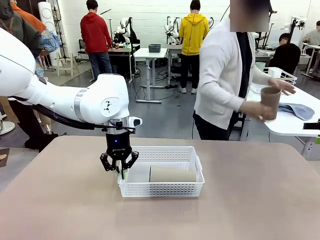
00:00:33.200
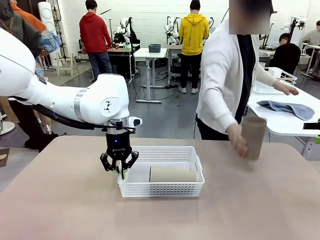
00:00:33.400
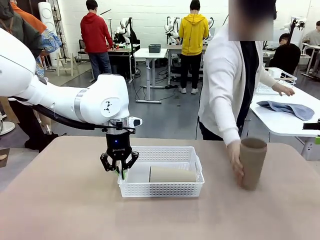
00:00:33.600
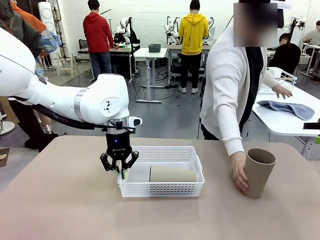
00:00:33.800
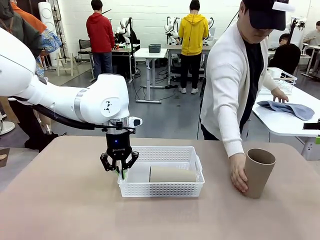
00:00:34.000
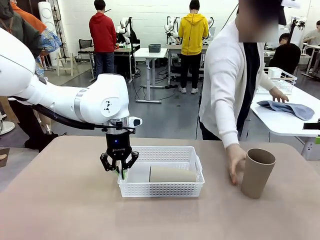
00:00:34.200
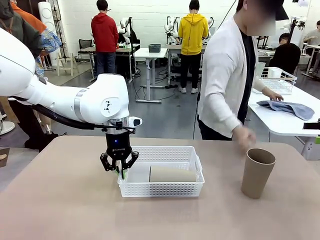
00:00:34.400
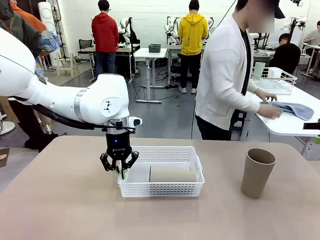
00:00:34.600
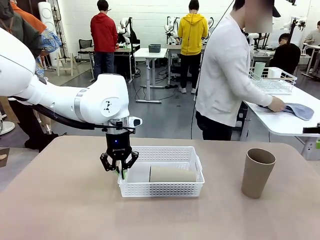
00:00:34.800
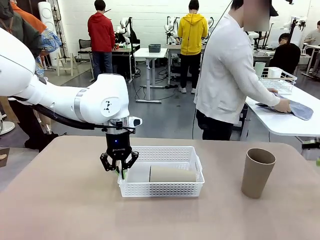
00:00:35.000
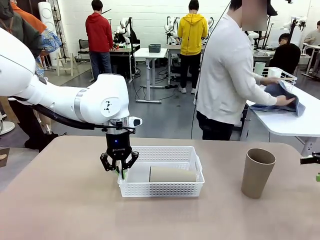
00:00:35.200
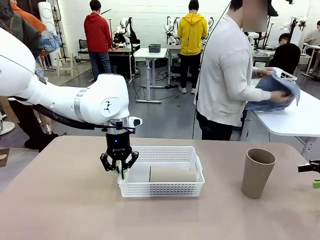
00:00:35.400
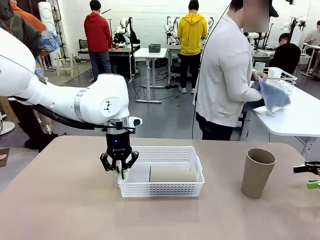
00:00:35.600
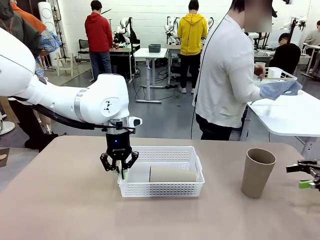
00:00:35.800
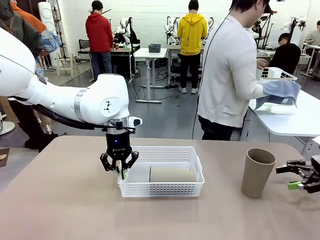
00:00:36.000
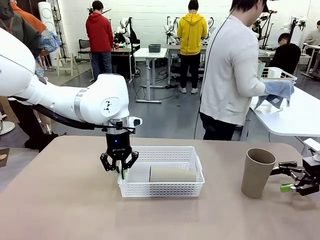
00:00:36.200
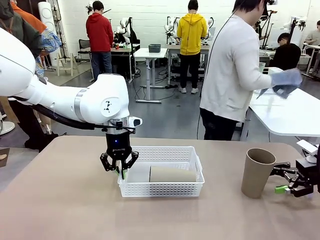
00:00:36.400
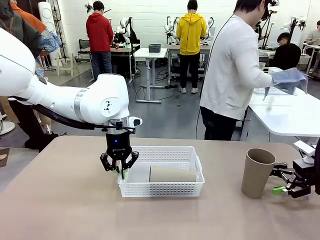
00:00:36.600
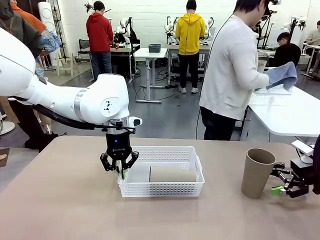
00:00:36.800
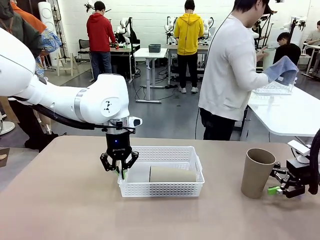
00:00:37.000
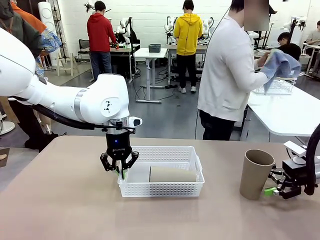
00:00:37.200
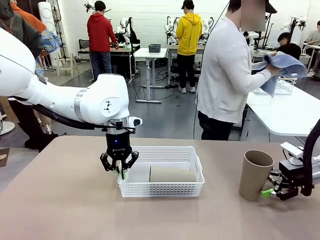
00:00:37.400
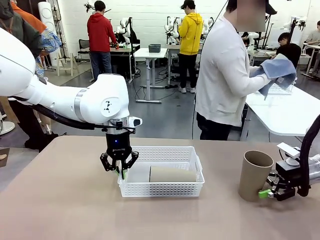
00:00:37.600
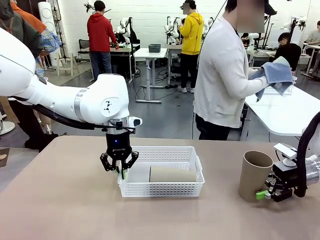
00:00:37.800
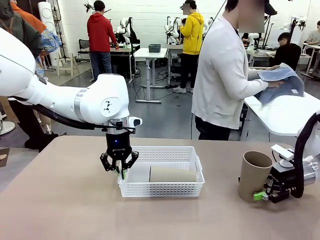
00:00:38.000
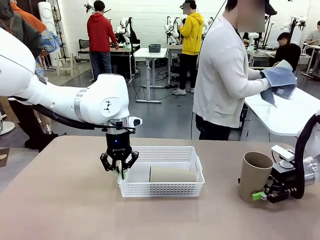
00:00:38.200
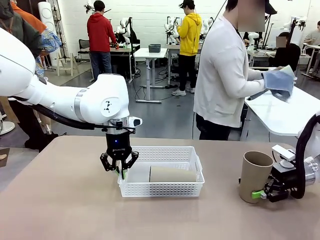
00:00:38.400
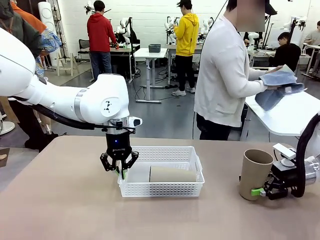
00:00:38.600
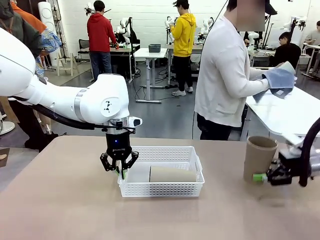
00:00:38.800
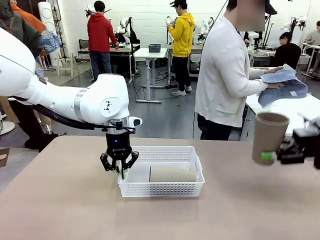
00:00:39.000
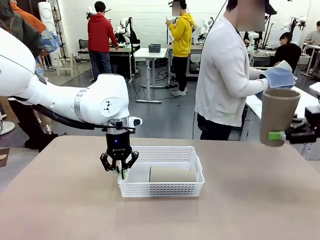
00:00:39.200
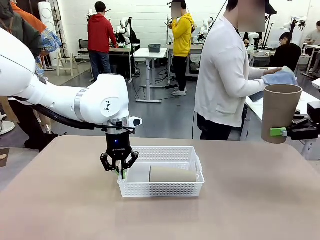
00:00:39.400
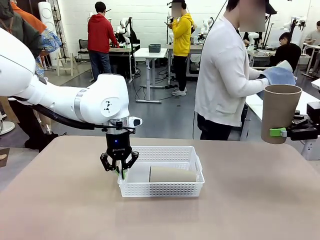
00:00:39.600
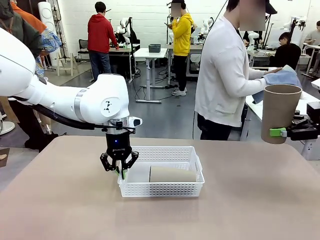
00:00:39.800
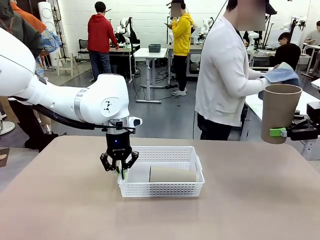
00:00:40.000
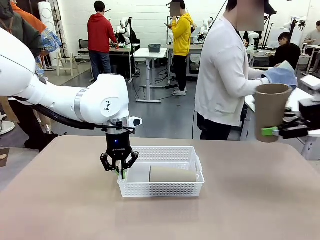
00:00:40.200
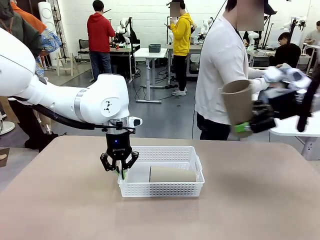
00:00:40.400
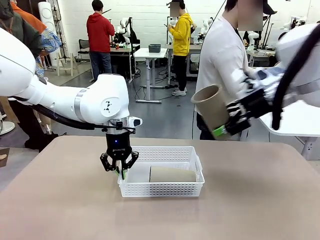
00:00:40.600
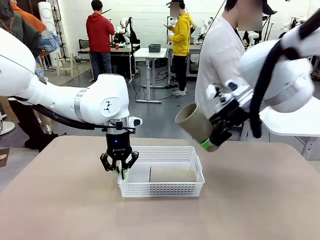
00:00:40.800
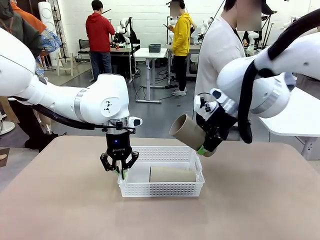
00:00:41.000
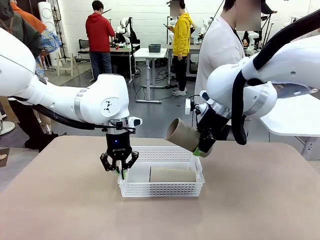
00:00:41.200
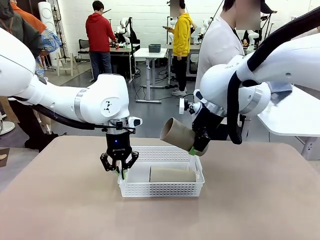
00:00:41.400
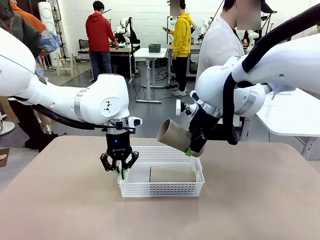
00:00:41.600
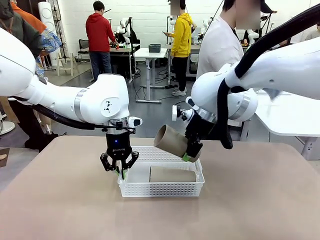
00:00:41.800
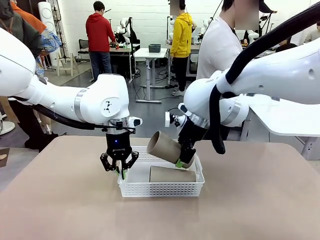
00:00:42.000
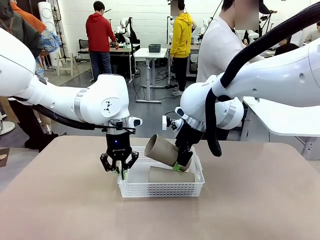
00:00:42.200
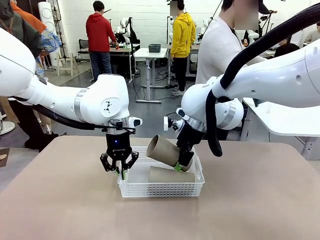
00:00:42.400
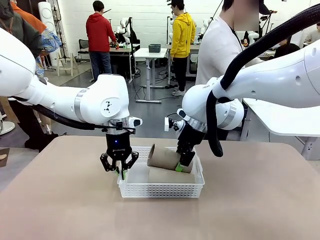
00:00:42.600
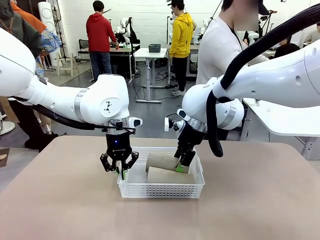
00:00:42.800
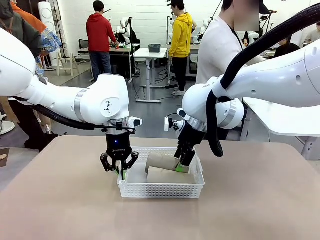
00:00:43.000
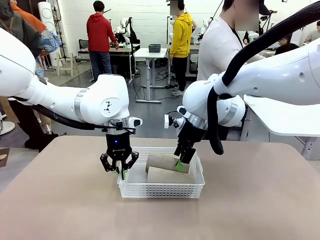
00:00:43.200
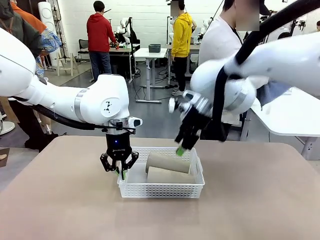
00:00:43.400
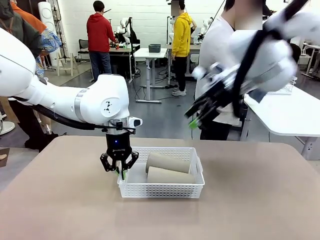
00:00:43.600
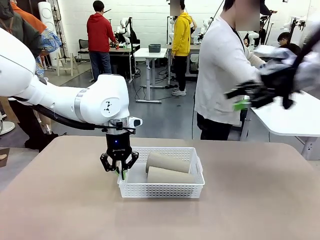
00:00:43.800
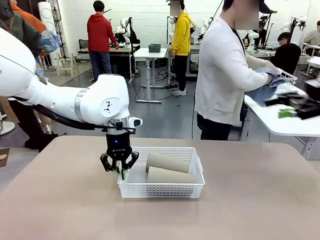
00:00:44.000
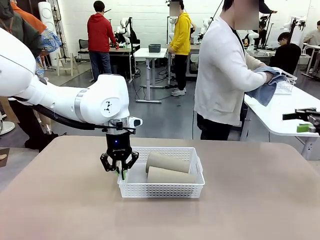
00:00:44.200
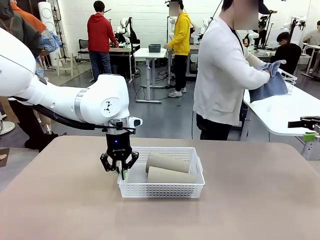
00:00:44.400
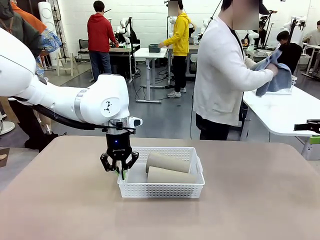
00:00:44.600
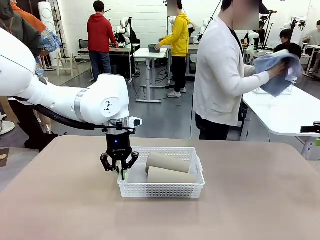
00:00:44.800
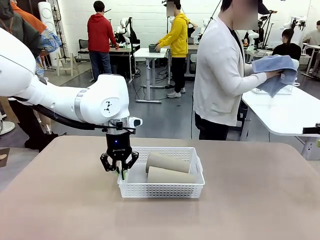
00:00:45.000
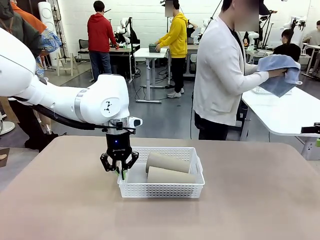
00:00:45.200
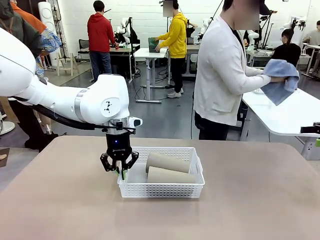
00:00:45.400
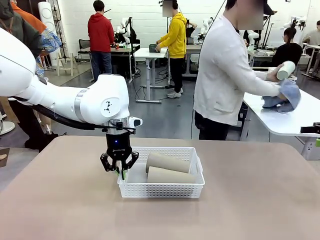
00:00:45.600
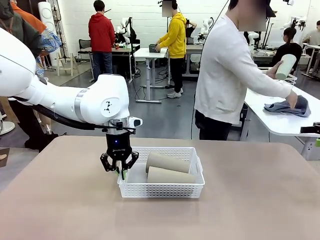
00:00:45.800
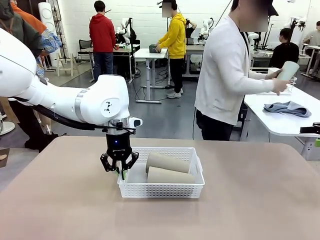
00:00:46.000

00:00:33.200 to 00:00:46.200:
Task: Clean and organize the cups into the basket.
Robot: Pick up the Reusable plastic cup from the right side of the table and stack it inside the Organizing basket in the center of the table.

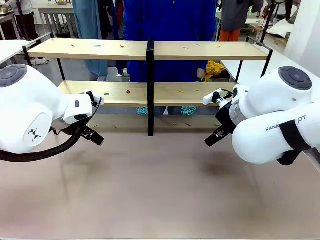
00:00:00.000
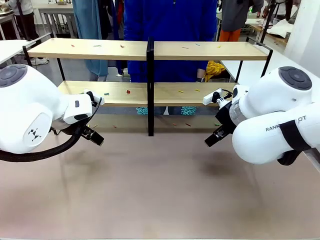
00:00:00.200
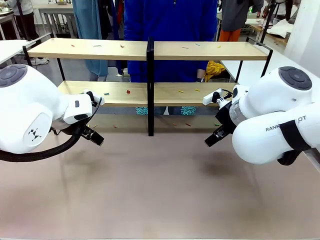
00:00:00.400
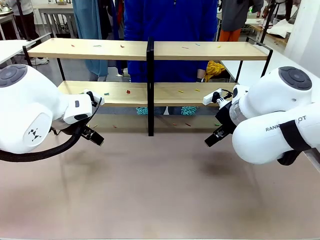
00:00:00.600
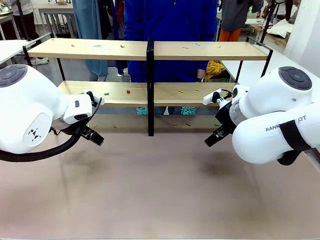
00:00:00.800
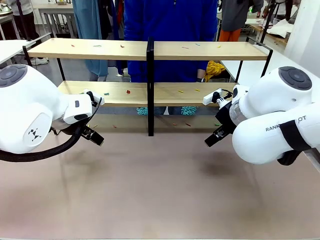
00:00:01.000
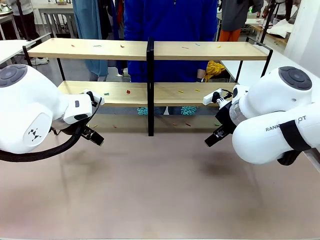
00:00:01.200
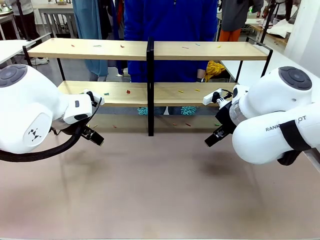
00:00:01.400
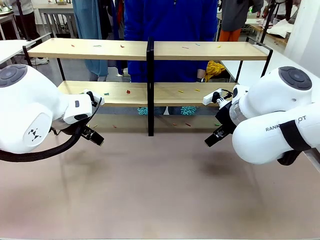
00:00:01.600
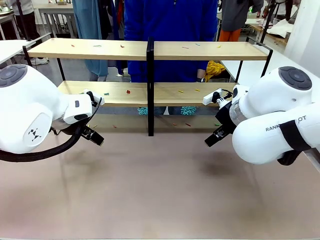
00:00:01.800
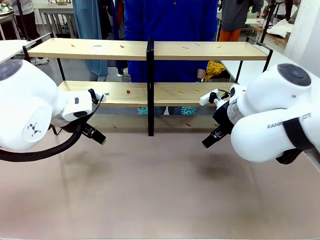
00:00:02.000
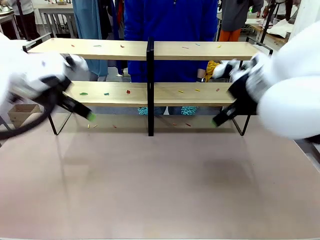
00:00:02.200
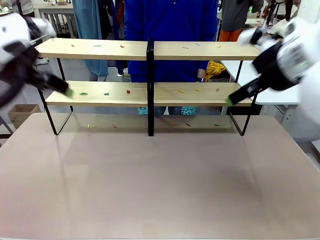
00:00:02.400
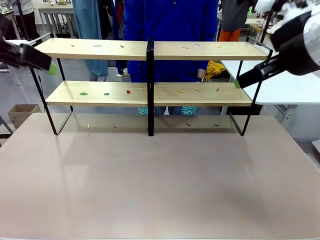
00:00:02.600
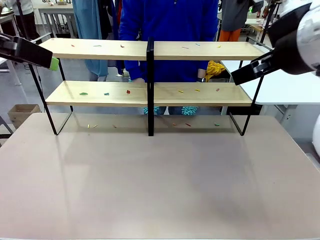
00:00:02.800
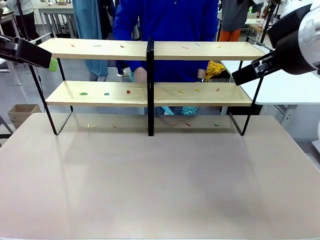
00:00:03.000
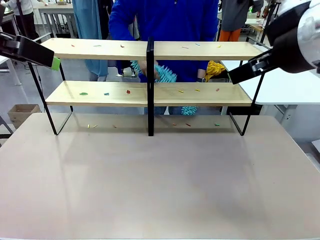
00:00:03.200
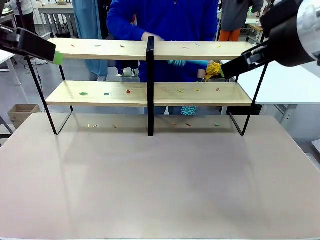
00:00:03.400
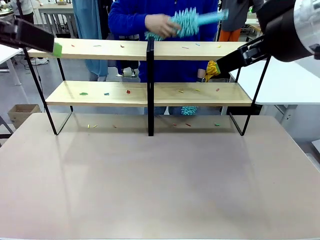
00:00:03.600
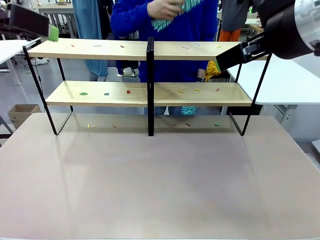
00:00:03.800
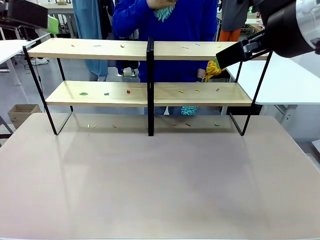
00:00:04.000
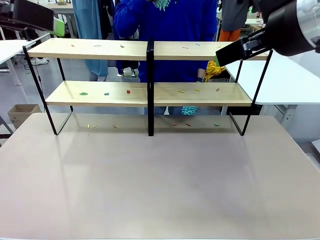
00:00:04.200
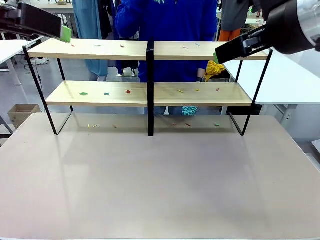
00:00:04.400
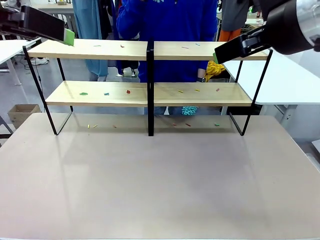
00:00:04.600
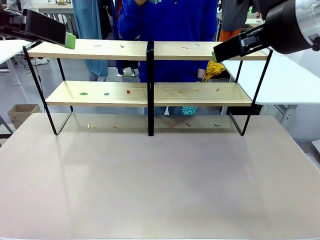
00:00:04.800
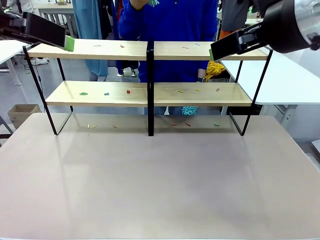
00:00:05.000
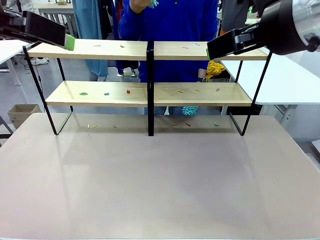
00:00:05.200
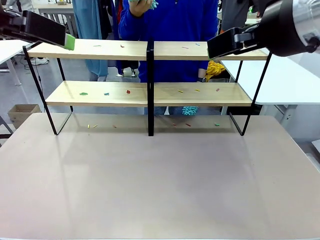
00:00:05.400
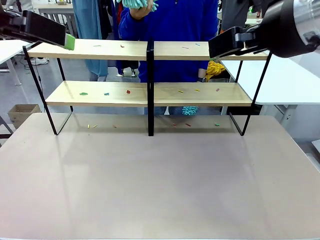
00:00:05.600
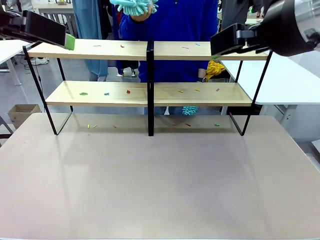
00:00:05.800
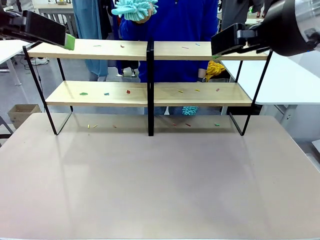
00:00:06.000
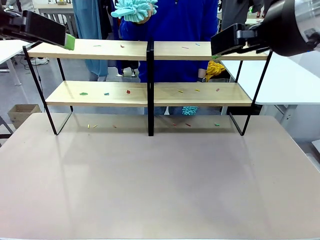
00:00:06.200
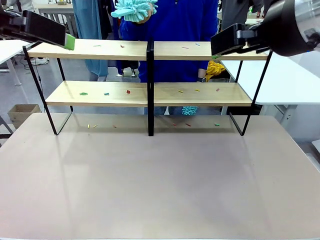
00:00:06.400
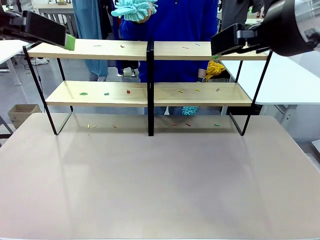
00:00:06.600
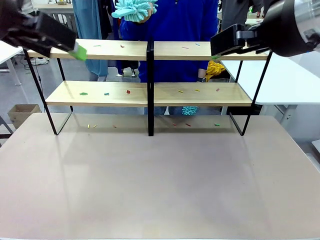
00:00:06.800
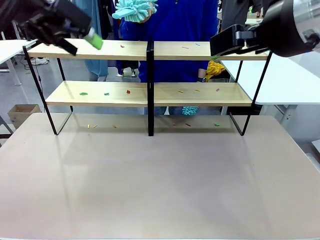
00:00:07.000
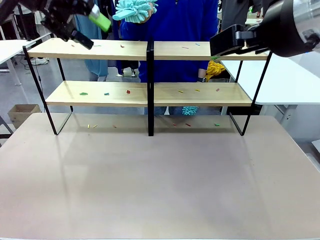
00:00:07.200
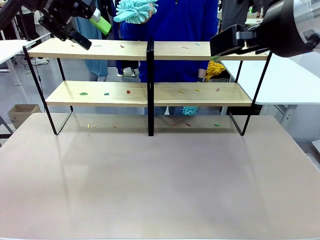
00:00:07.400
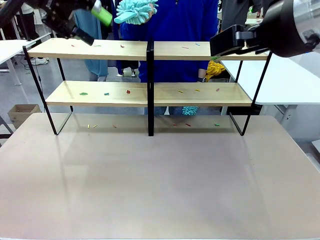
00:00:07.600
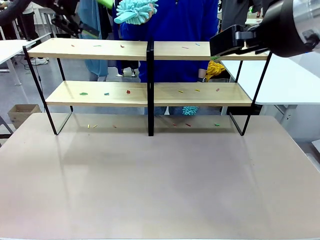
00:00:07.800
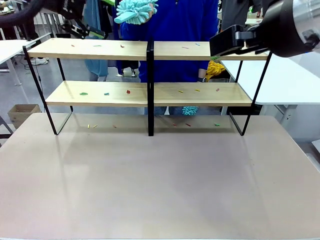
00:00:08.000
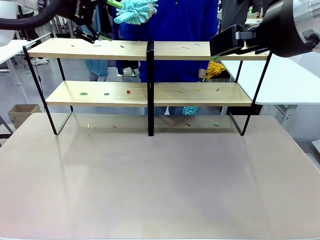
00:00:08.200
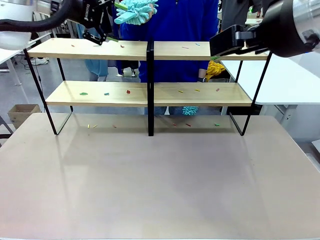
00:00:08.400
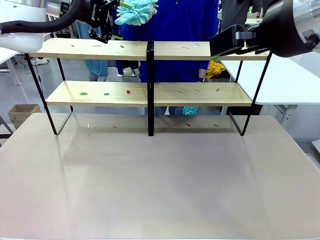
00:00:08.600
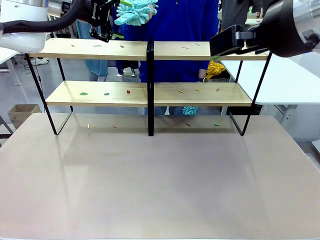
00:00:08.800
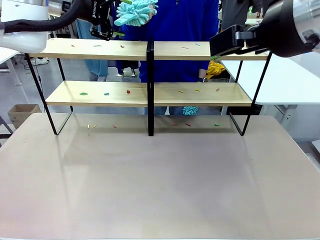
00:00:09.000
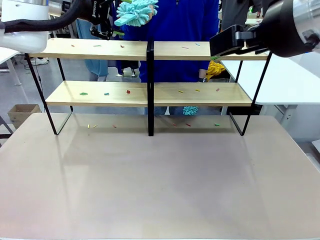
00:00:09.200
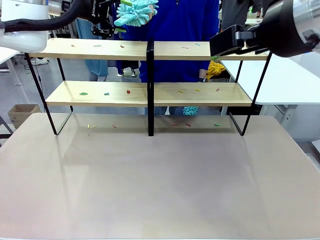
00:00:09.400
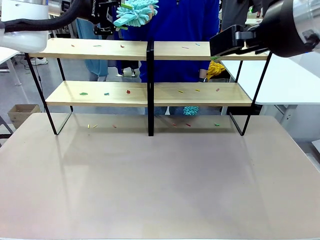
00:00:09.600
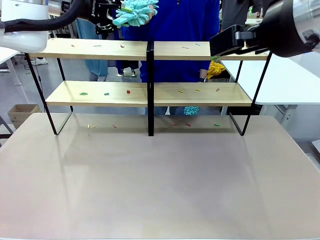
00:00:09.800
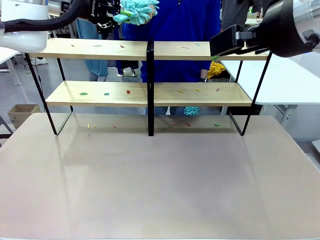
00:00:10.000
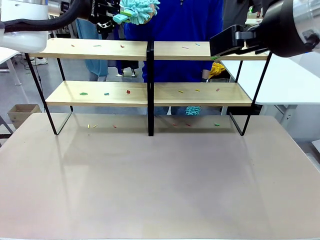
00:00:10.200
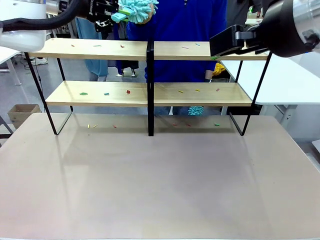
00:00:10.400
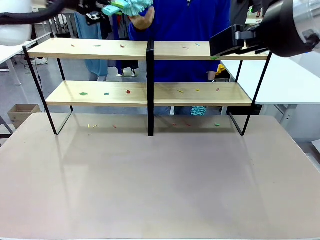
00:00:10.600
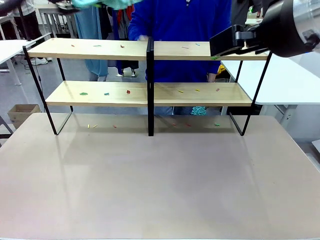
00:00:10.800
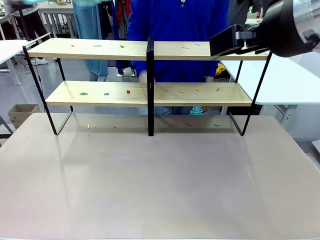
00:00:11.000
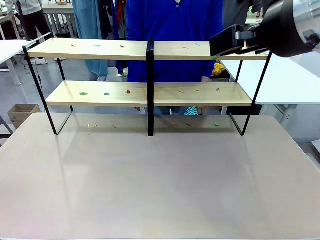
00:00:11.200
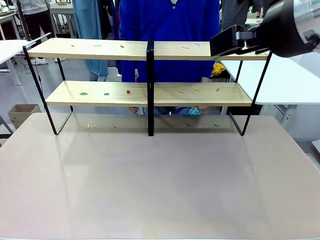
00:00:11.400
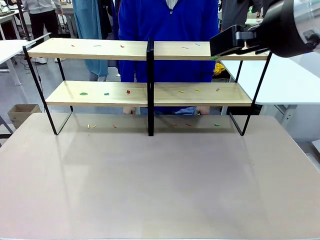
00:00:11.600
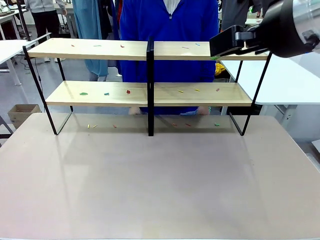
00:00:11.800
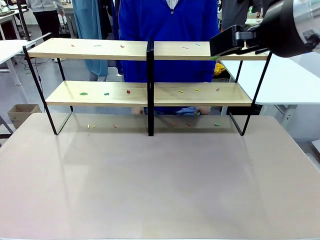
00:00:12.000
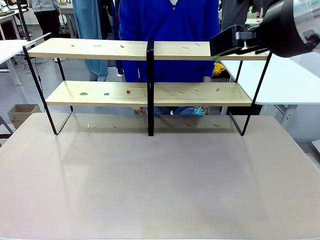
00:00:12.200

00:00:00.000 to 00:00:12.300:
Task: Clean the shelves.
Robot: Pick up the Duster when the human hands it over.
Person: Hand the Duster to the robot with your right (or left) hand.
